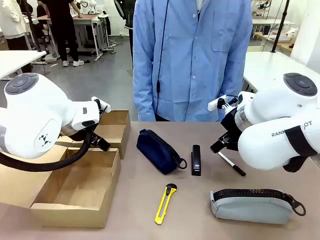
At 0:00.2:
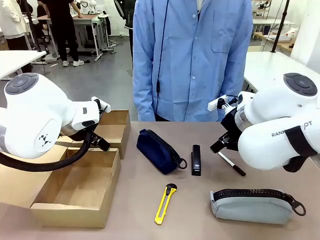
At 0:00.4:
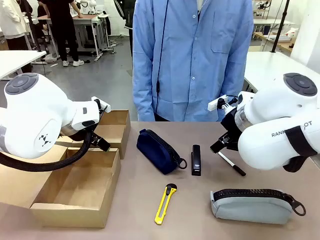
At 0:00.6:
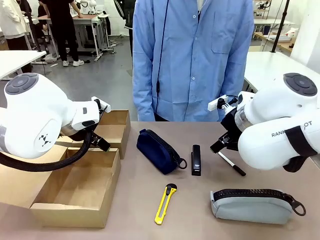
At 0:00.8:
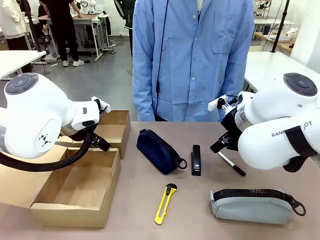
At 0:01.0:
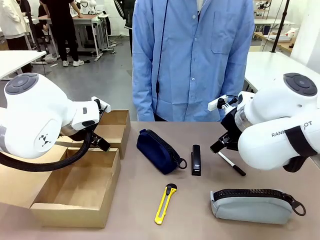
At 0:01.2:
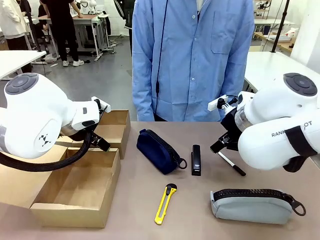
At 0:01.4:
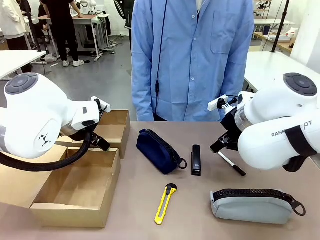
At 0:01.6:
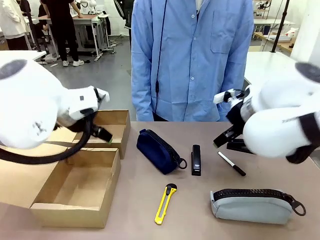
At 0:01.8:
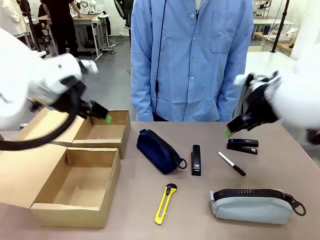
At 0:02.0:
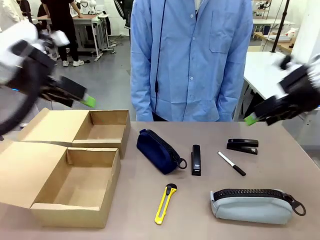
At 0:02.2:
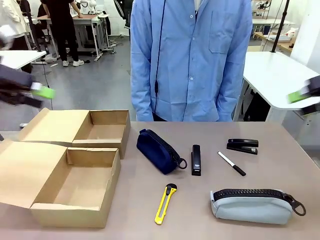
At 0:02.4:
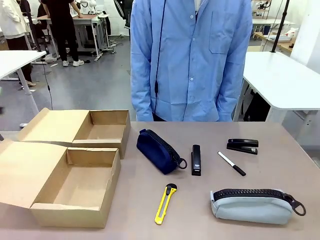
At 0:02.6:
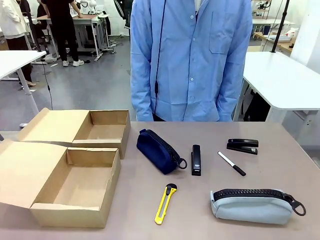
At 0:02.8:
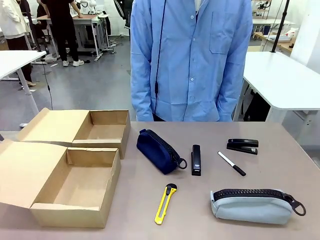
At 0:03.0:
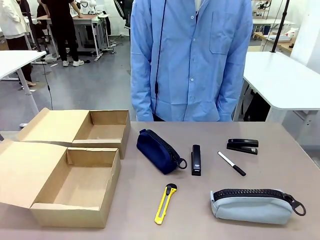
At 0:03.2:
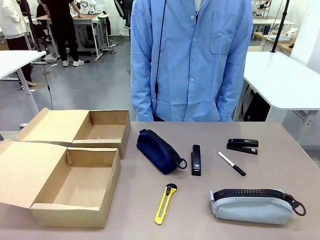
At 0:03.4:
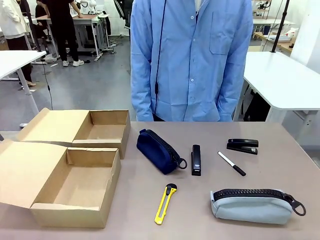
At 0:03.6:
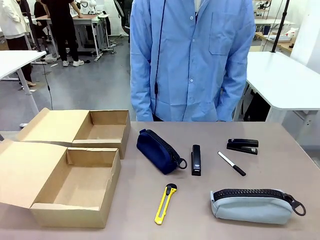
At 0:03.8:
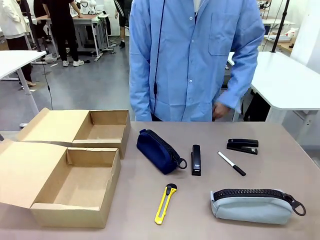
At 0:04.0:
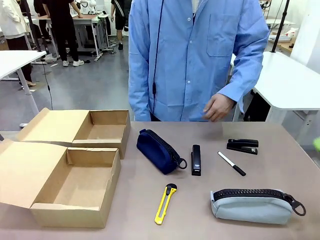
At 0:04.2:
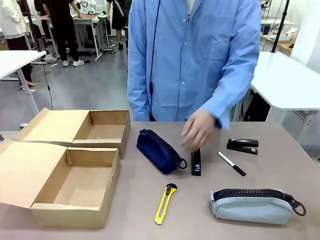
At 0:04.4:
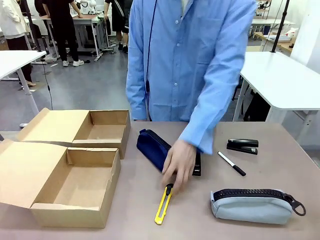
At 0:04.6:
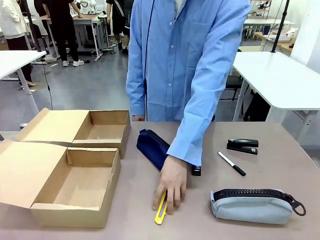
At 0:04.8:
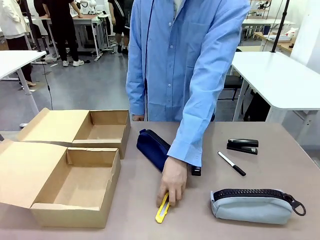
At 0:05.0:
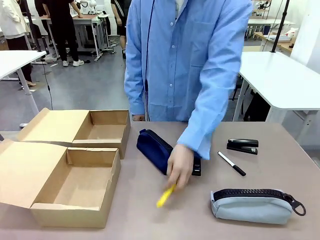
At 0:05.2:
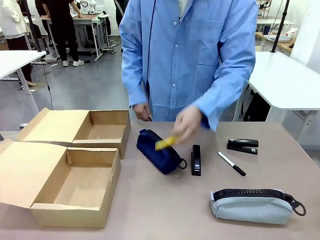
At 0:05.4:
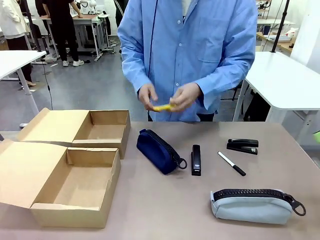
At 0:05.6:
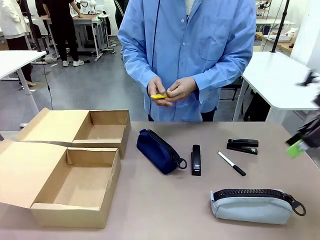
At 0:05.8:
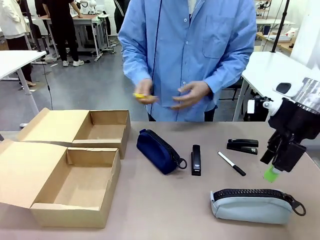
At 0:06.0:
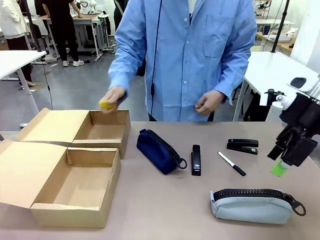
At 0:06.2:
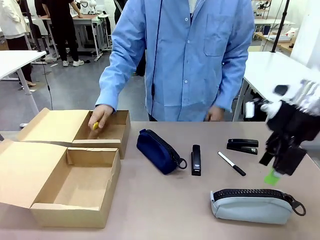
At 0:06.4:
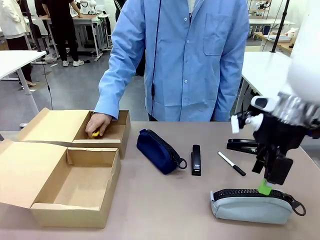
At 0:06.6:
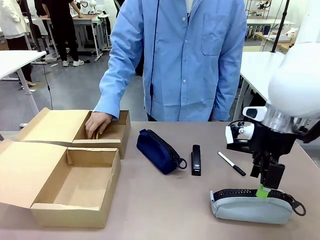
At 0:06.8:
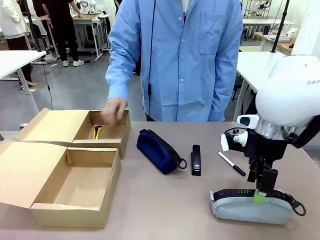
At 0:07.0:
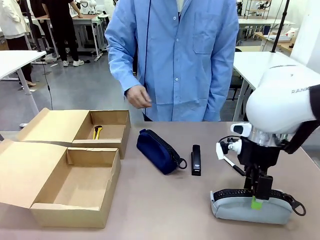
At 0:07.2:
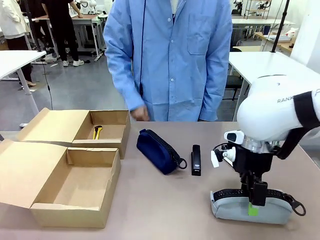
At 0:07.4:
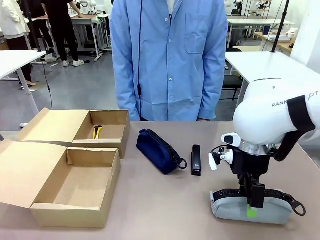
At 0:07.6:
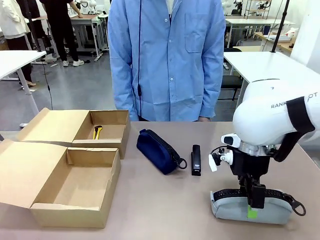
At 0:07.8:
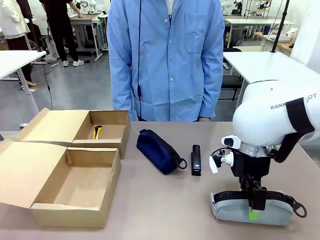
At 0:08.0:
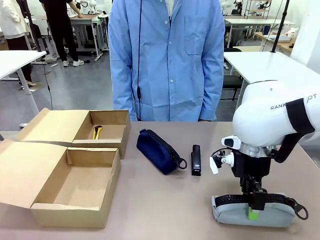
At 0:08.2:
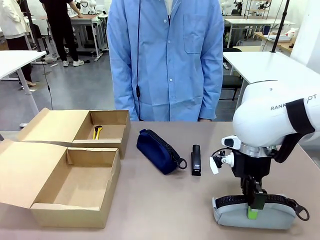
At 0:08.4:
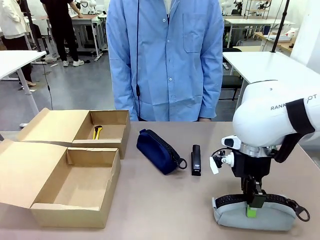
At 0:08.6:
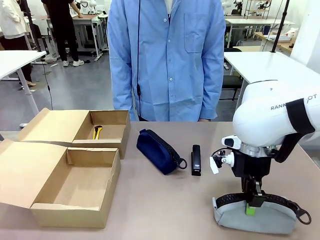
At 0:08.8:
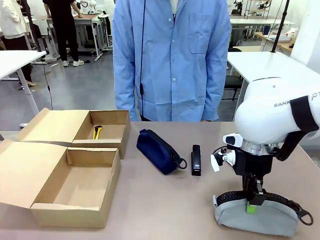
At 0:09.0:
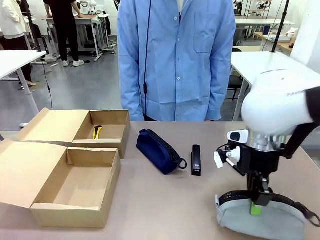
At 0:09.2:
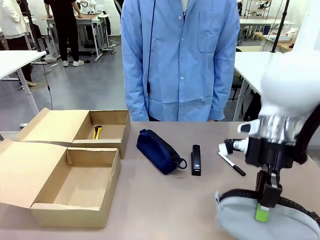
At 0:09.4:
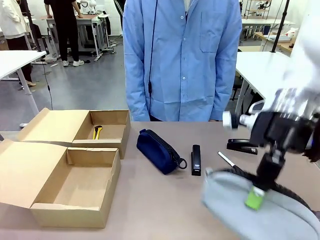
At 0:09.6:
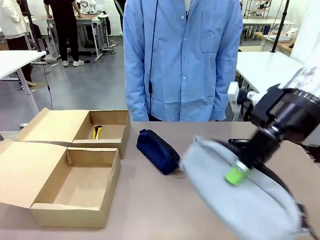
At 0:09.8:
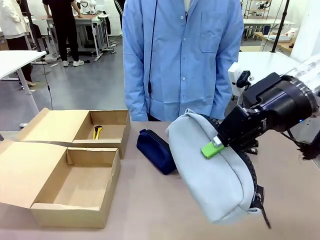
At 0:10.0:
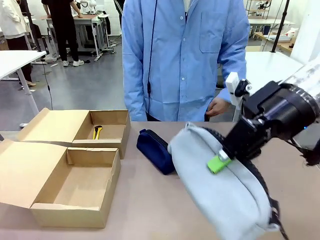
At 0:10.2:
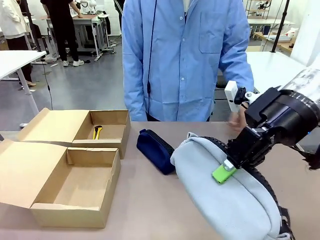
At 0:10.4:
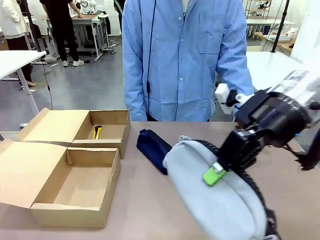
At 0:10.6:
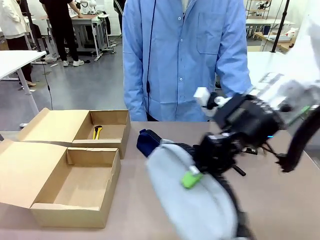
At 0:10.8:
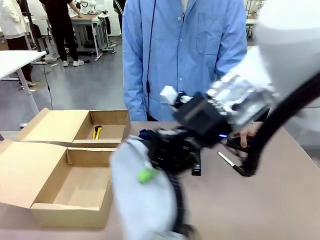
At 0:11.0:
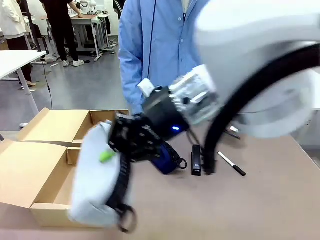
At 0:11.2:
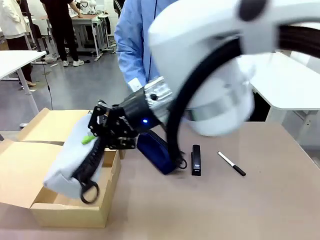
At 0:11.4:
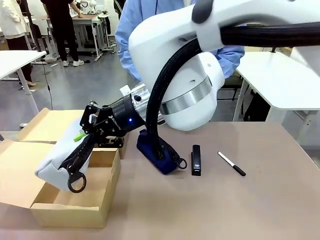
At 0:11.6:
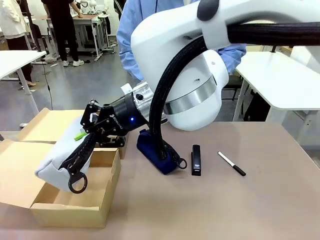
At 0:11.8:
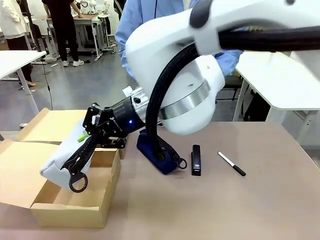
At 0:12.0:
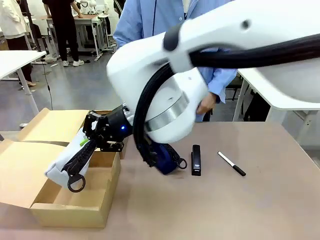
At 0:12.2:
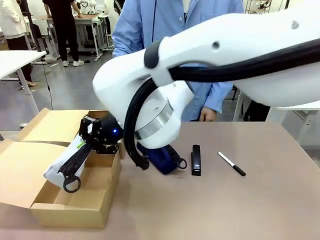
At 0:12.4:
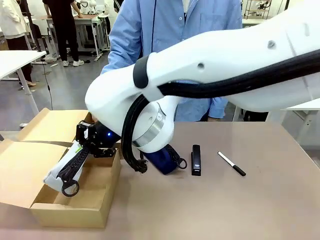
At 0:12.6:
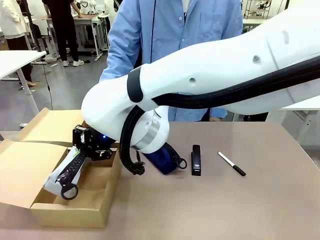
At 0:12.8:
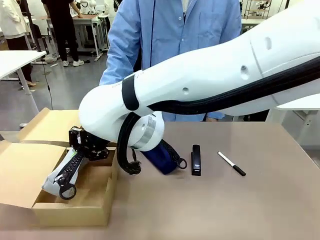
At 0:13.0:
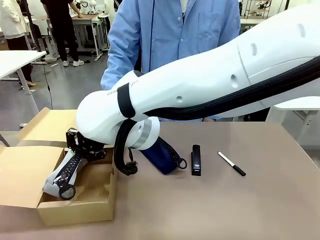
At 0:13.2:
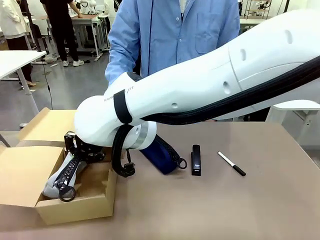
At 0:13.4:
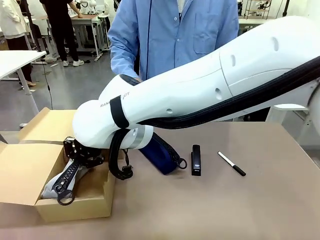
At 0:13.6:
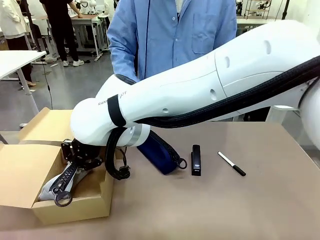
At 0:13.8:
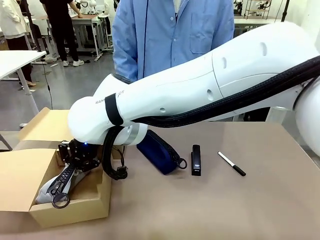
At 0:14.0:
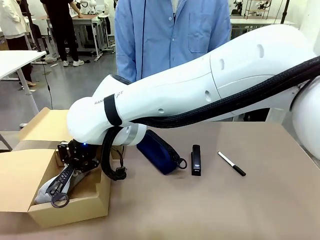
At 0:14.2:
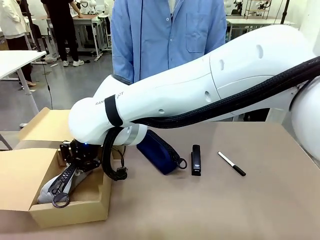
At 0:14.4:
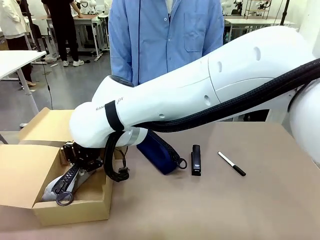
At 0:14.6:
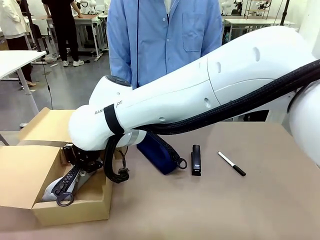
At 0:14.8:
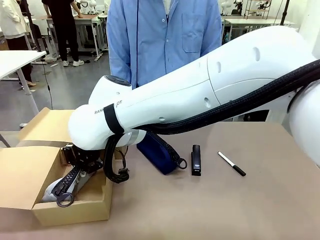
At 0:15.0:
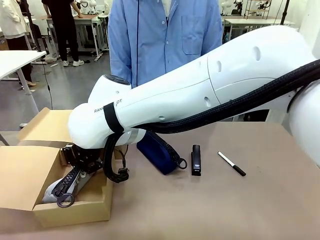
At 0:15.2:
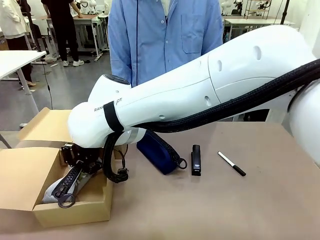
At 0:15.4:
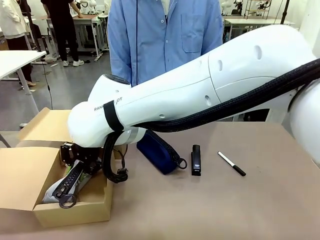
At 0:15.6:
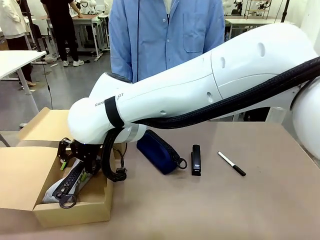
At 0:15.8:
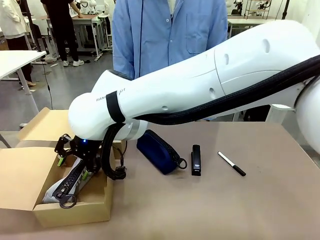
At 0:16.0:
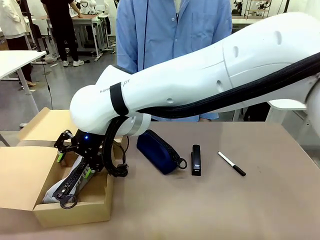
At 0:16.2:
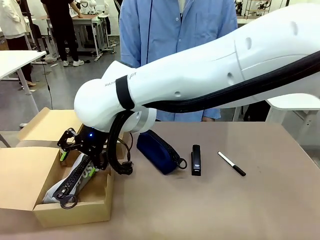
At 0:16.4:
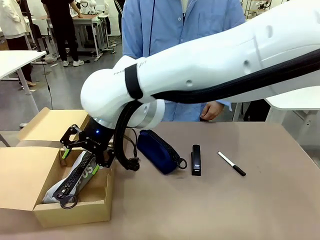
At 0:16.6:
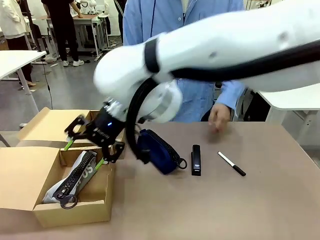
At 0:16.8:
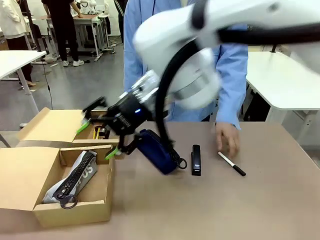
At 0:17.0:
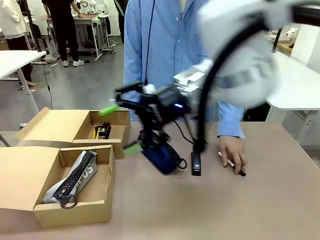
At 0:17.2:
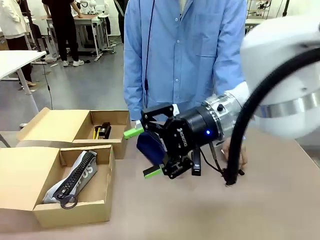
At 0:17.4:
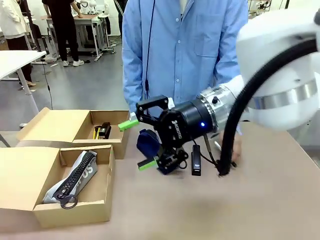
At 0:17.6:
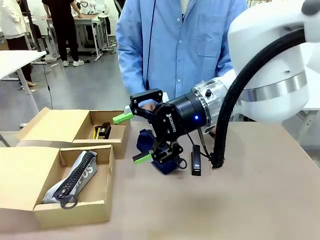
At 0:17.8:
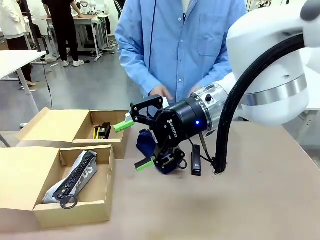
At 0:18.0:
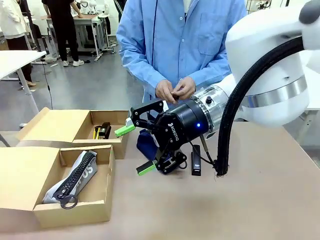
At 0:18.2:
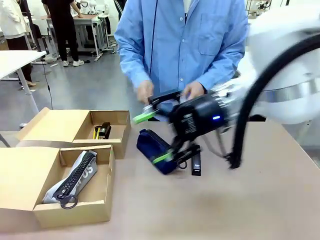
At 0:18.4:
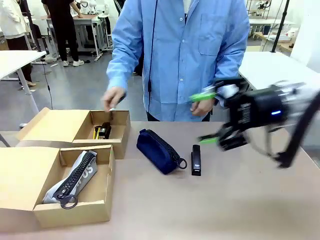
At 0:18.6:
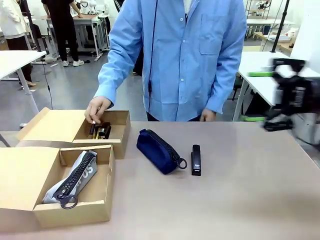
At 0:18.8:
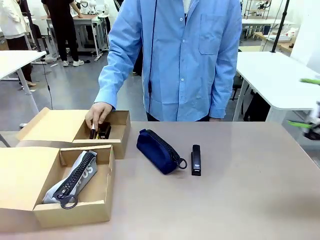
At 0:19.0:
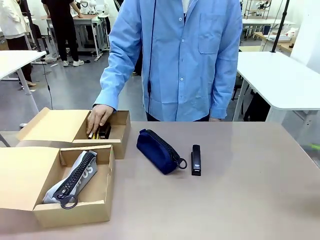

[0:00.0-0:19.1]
Task: Place items inside the box.
Robot: Pick up a Pencil pouch or Stapler and place it inside the Mailer Box closest to the robot.
Person: Pick up an object on the table and put it in the box.
